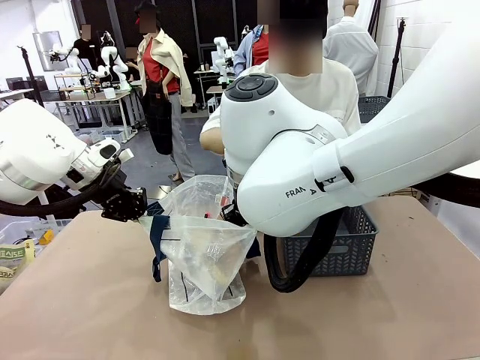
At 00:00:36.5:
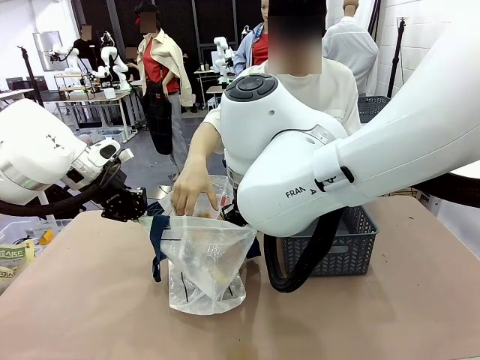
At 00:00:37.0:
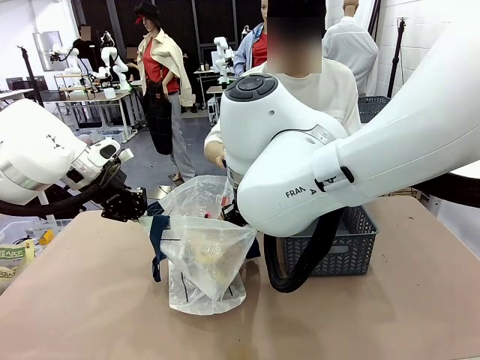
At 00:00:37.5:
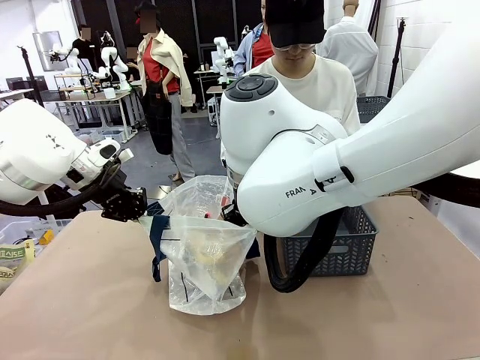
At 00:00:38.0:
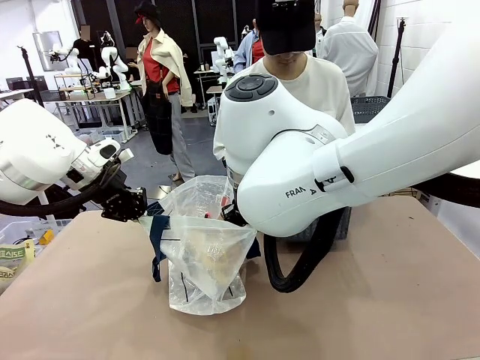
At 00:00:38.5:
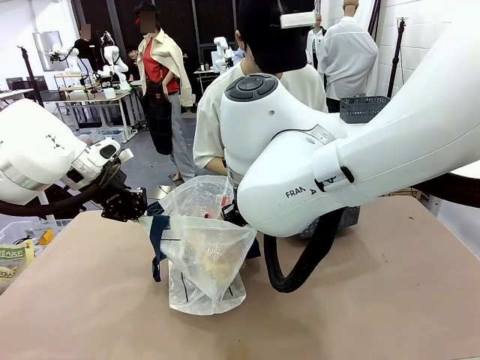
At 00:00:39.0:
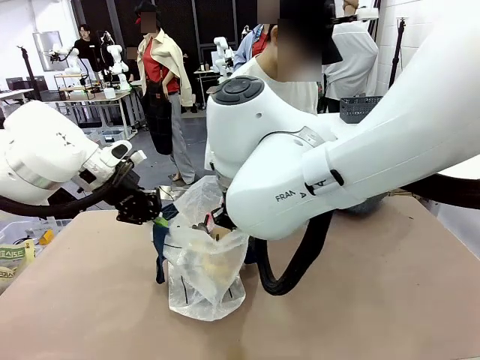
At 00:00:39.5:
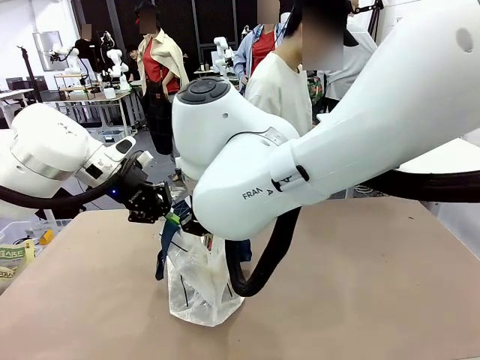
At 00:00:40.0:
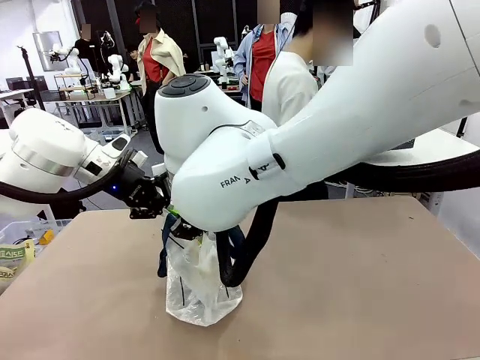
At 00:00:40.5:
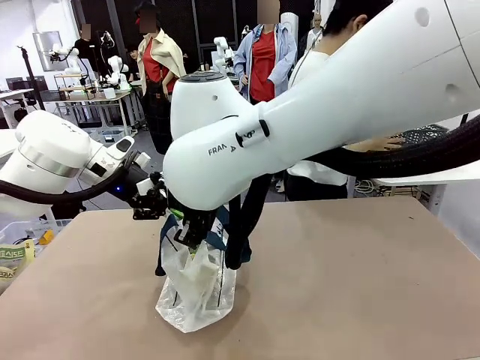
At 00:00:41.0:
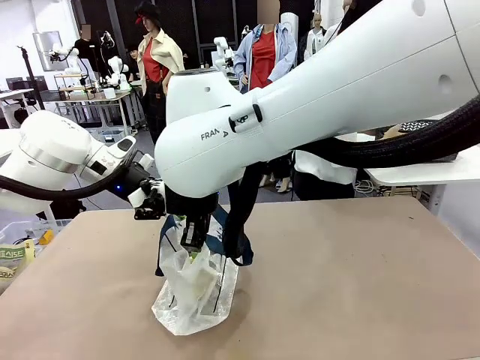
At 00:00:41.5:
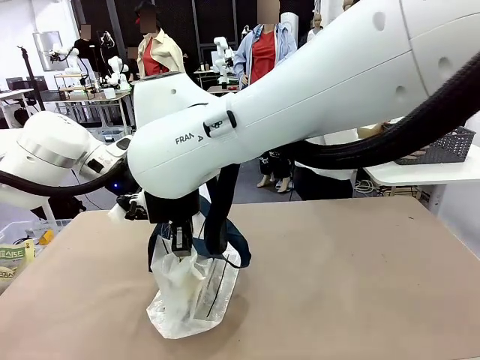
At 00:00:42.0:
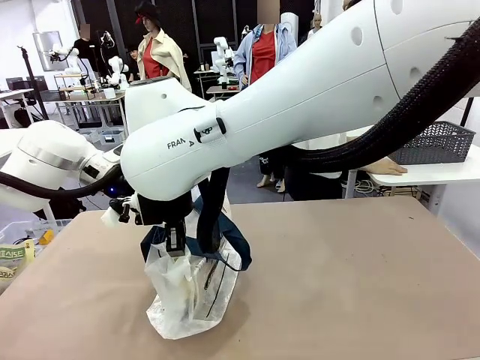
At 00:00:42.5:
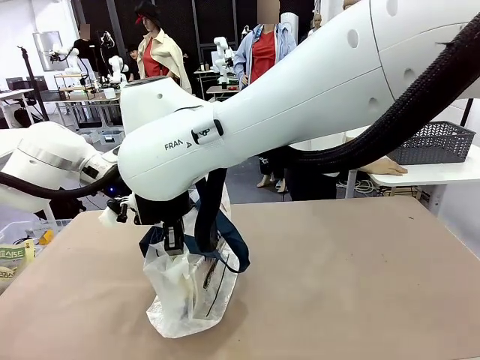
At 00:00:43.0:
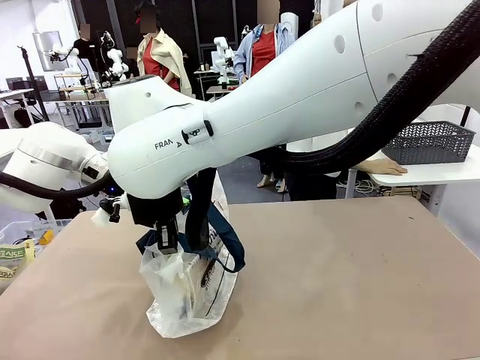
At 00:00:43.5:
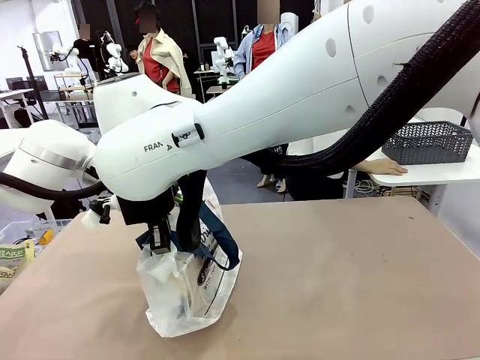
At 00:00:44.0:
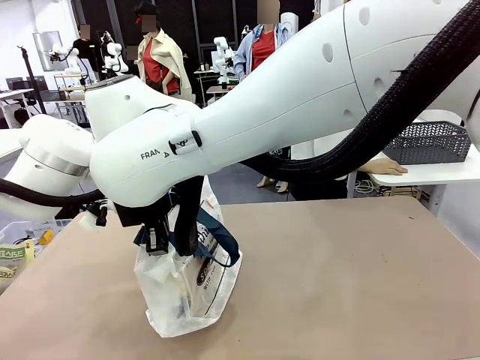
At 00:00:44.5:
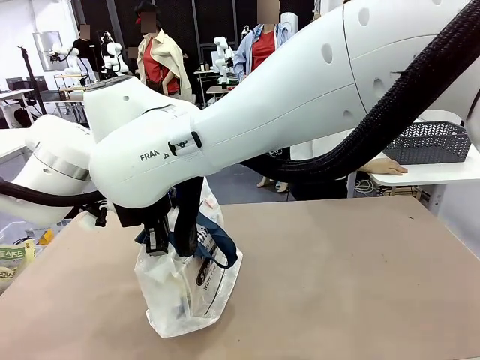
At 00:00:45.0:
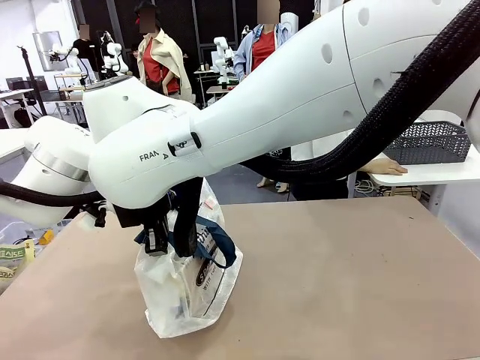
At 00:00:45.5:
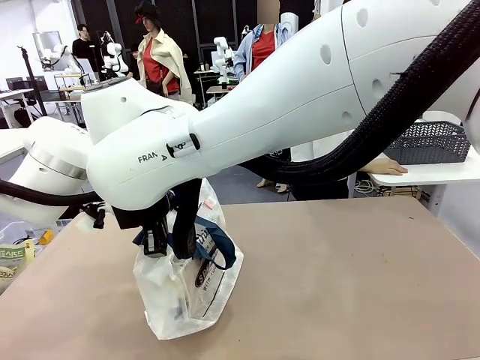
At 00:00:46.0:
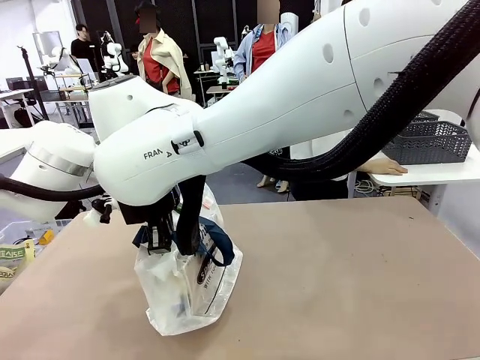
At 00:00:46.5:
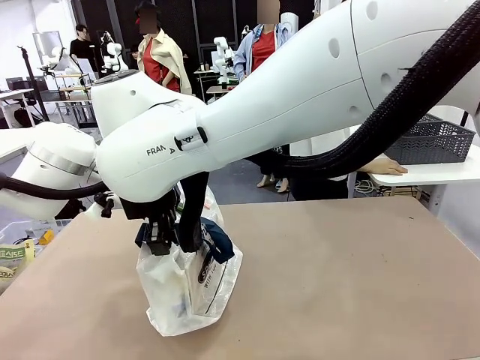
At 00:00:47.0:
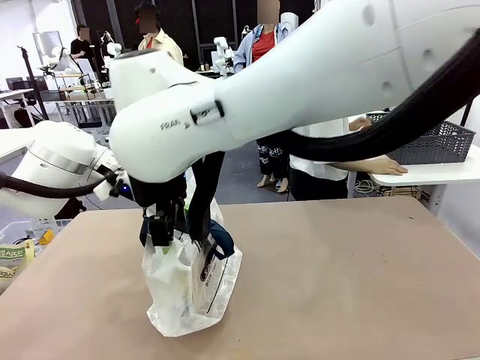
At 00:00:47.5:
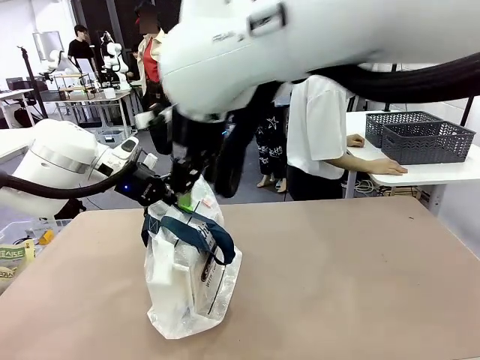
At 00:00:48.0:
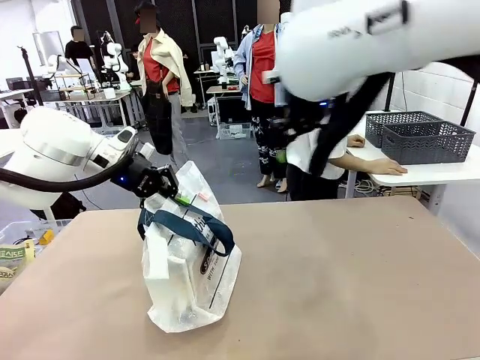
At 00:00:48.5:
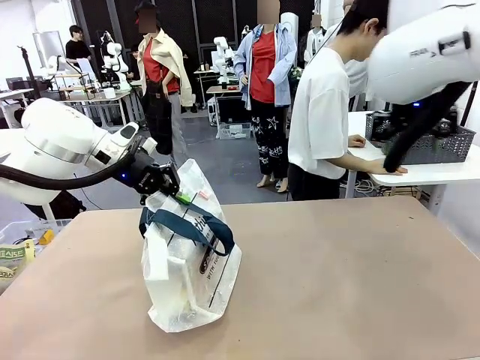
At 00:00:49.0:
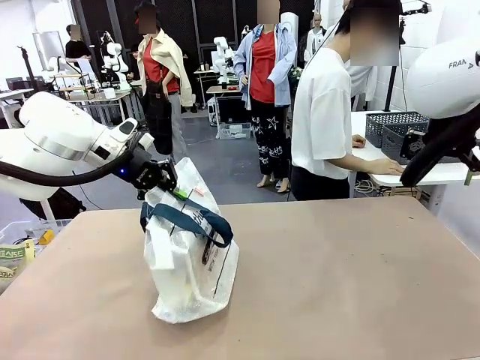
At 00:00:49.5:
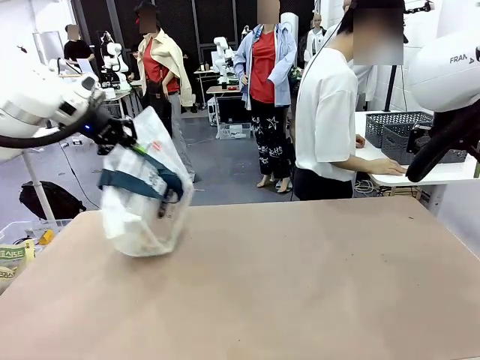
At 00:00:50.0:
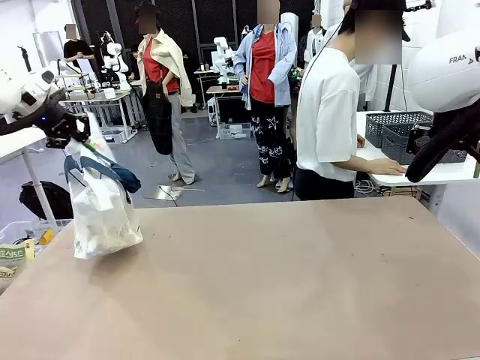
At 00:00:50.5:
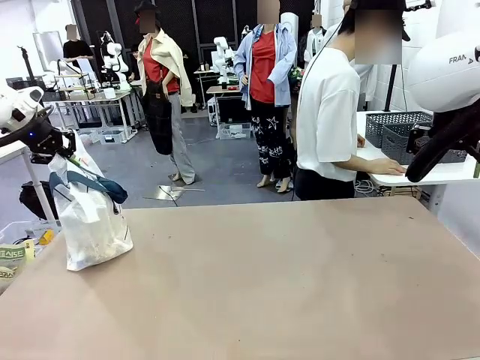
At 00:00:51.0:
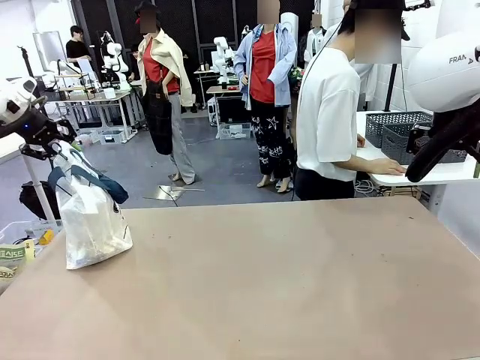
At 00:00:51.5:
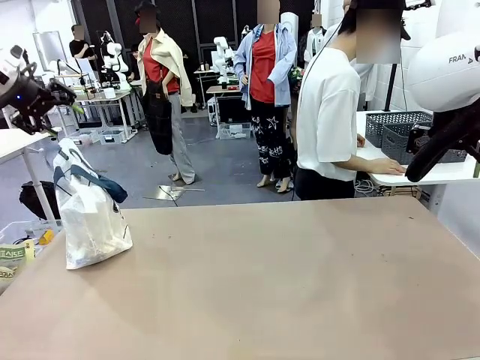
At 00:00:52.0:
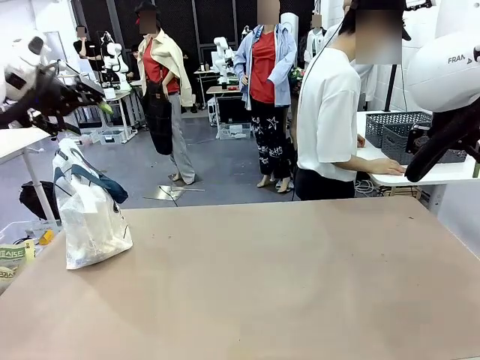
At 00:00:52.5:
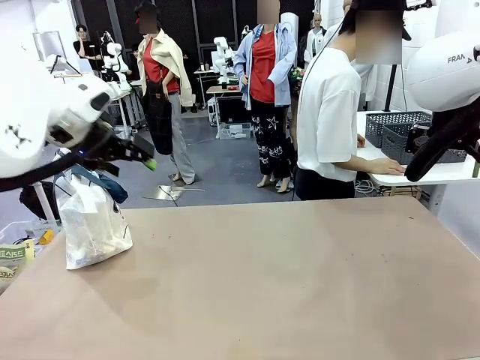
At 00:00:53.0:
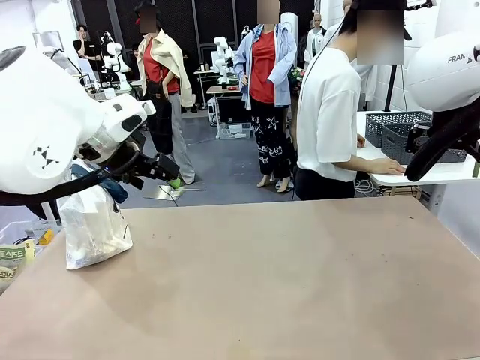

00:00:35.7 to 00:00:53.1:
Task: Transfer purchased items from the store into the shopping bag.
Robot: Move the Reusable shopping bag to the right side of the table.
Person: Move the basket on the left to the middle of the person's table.
